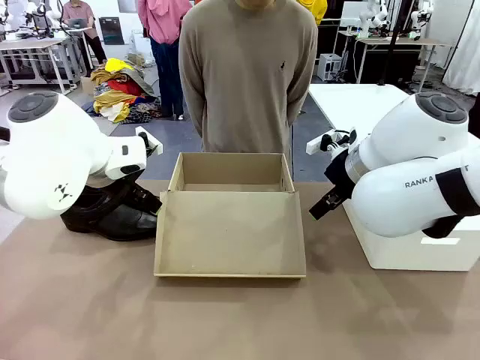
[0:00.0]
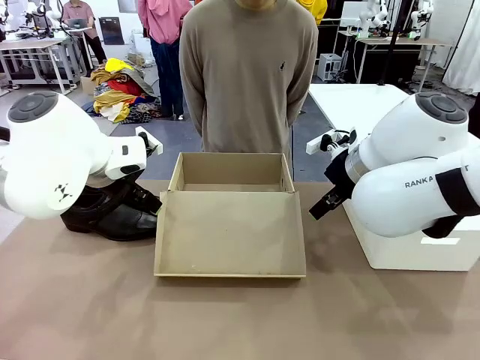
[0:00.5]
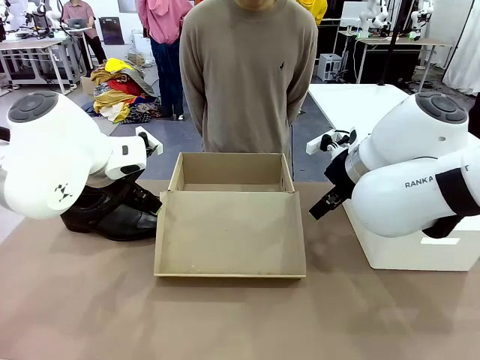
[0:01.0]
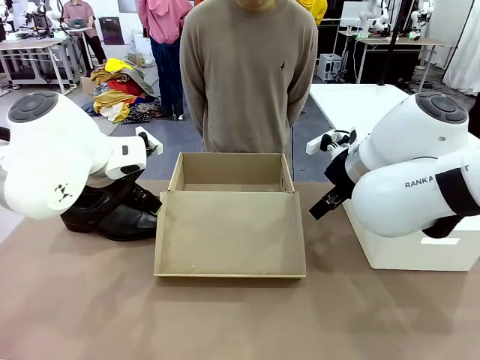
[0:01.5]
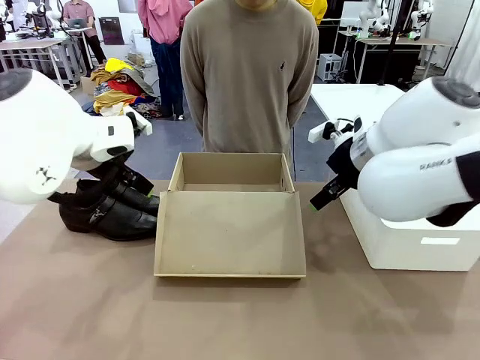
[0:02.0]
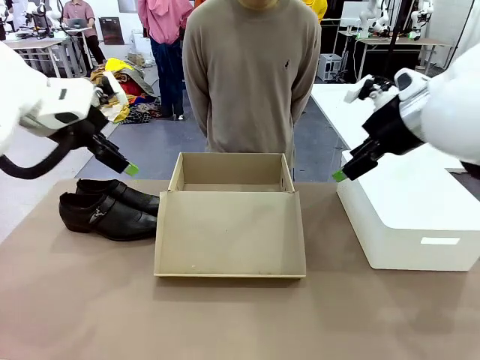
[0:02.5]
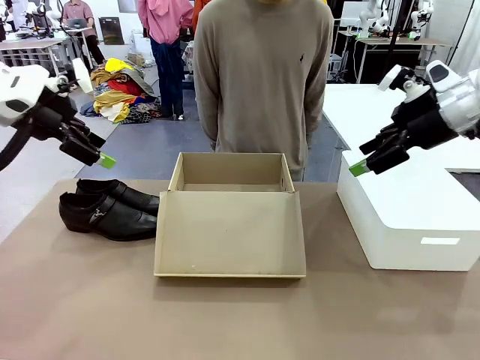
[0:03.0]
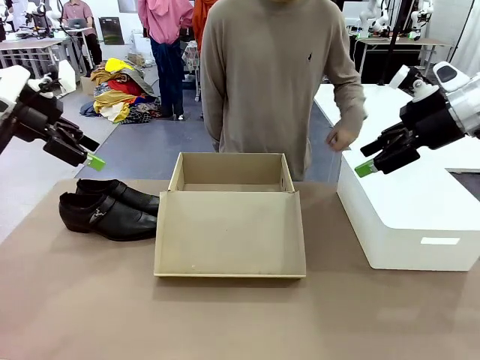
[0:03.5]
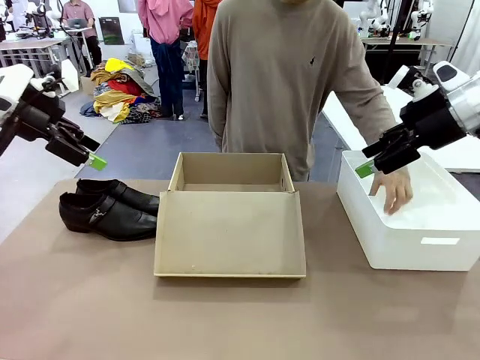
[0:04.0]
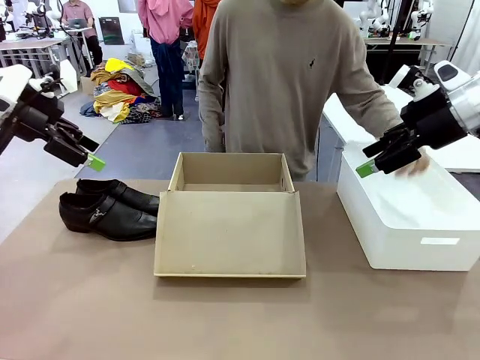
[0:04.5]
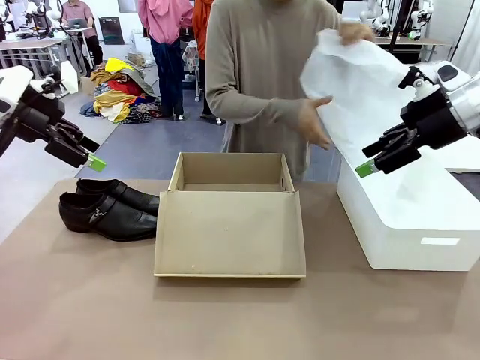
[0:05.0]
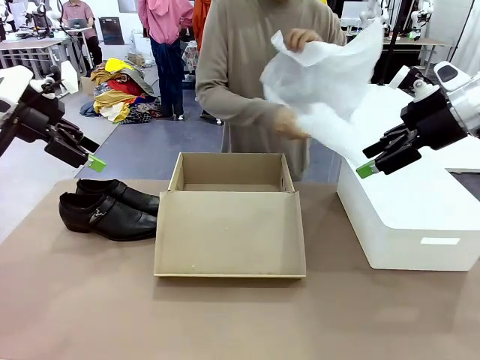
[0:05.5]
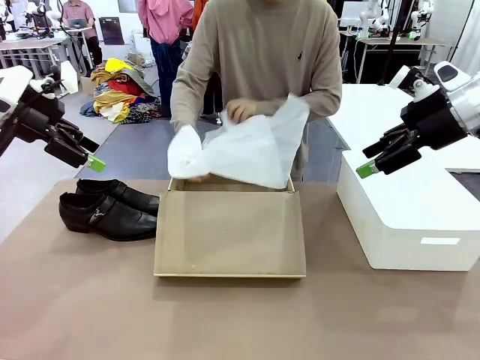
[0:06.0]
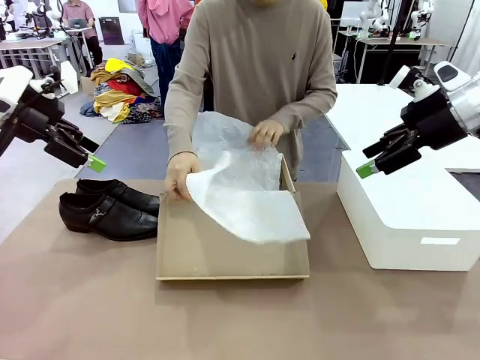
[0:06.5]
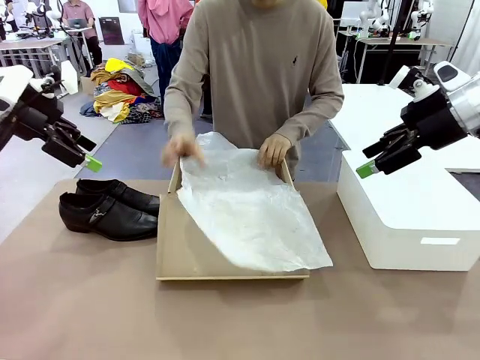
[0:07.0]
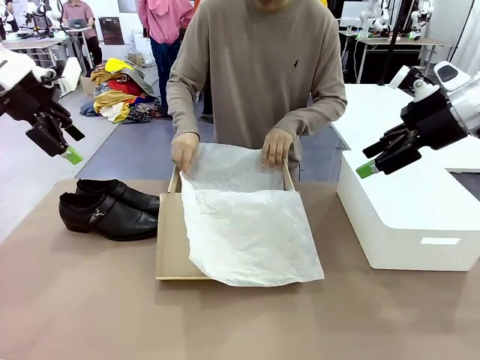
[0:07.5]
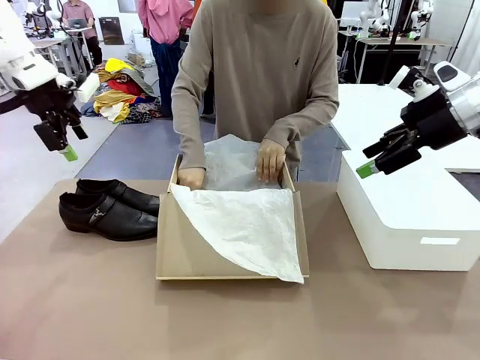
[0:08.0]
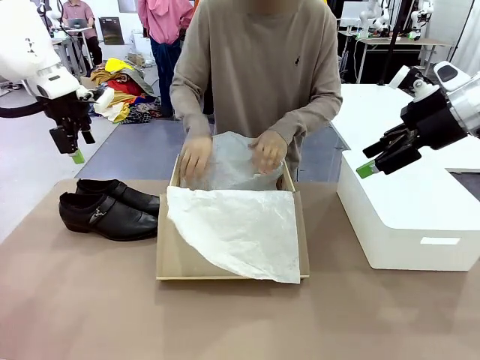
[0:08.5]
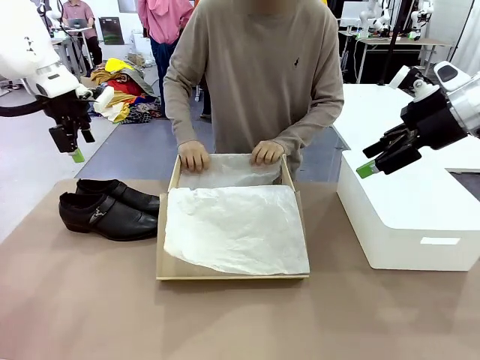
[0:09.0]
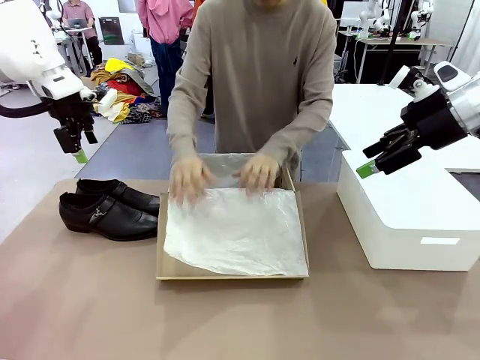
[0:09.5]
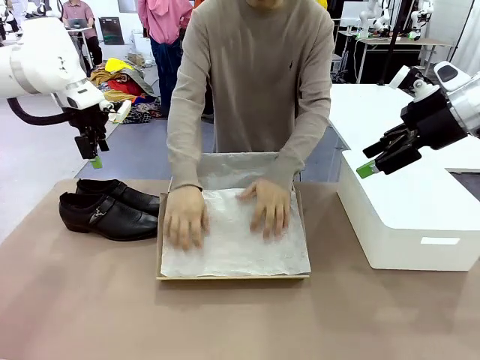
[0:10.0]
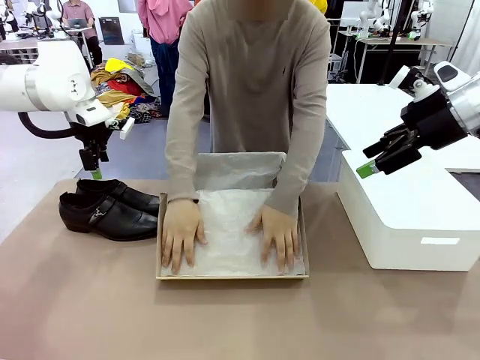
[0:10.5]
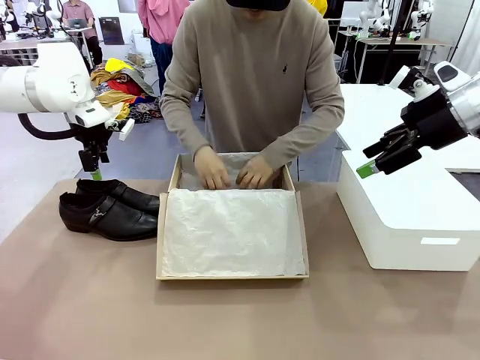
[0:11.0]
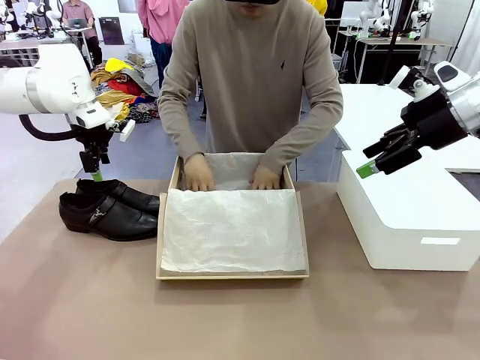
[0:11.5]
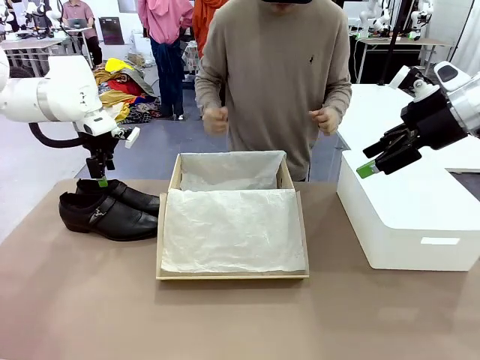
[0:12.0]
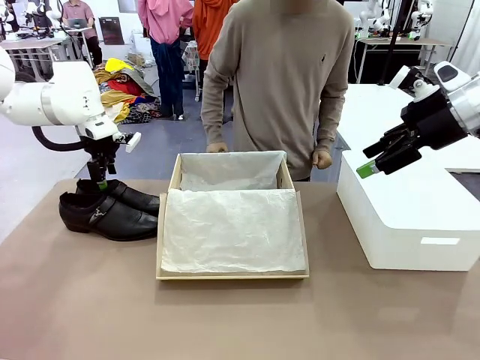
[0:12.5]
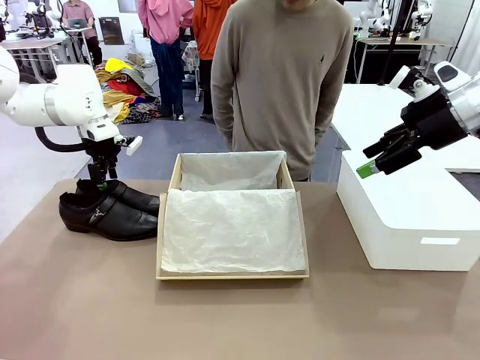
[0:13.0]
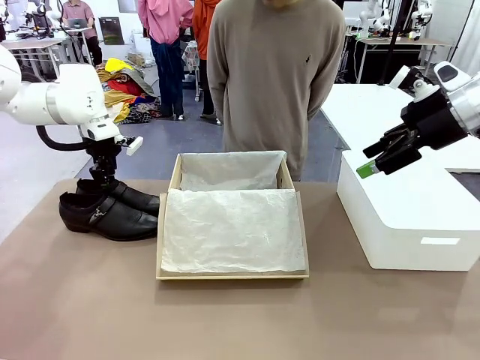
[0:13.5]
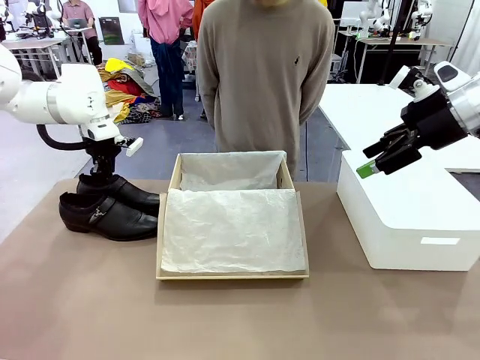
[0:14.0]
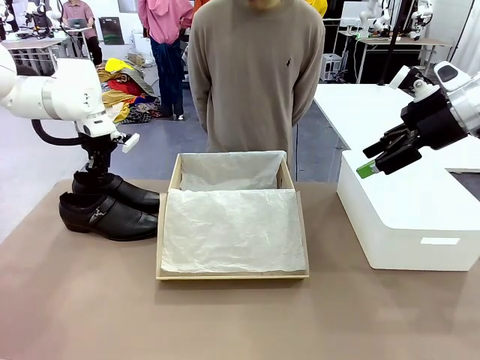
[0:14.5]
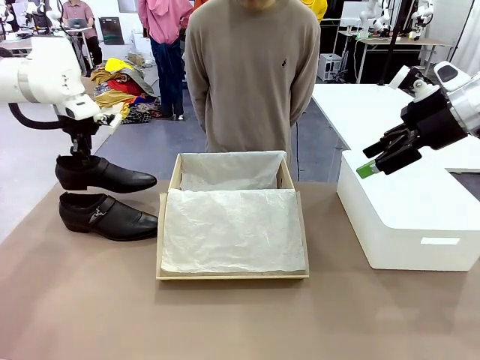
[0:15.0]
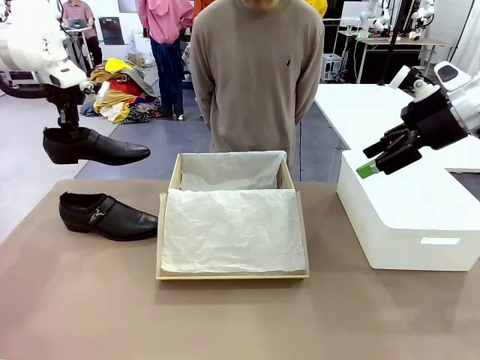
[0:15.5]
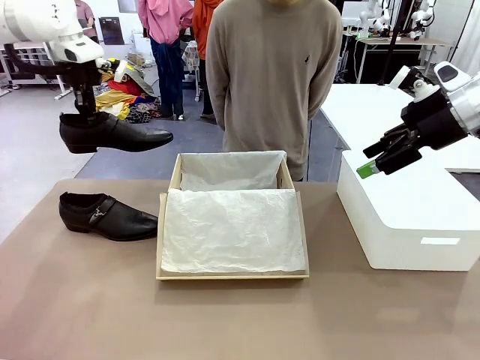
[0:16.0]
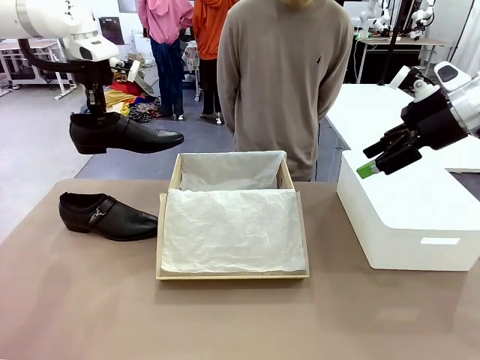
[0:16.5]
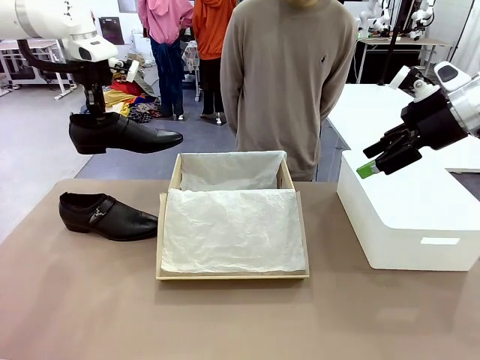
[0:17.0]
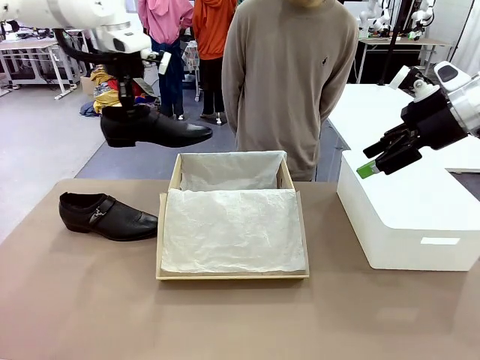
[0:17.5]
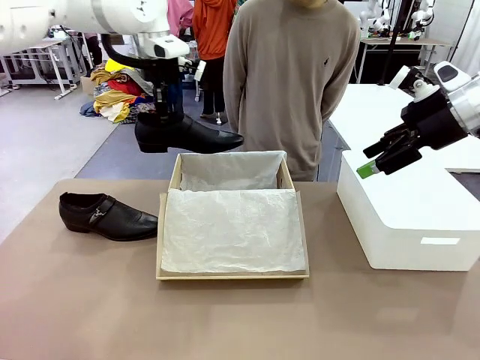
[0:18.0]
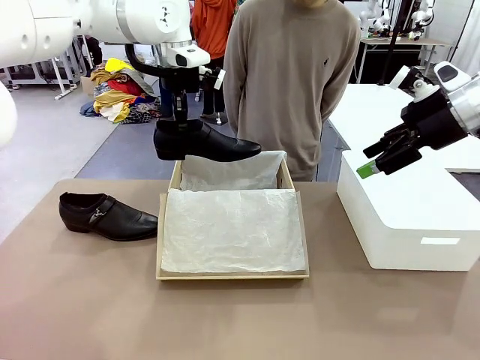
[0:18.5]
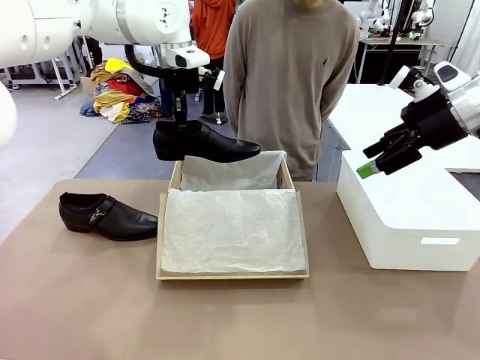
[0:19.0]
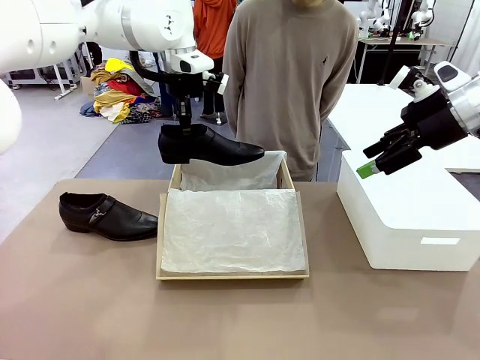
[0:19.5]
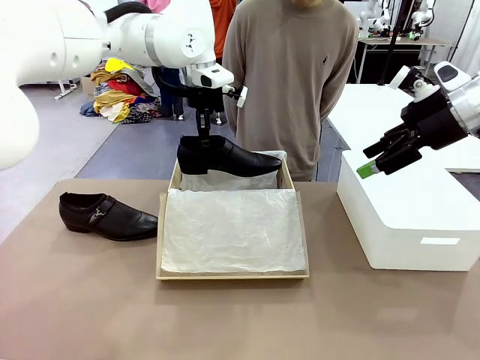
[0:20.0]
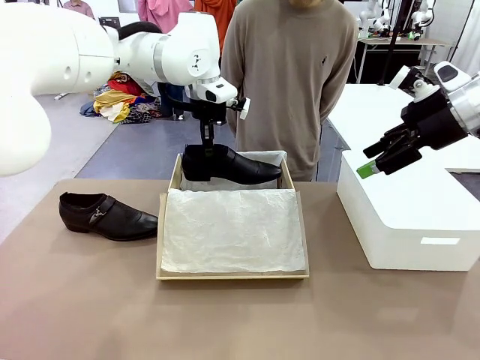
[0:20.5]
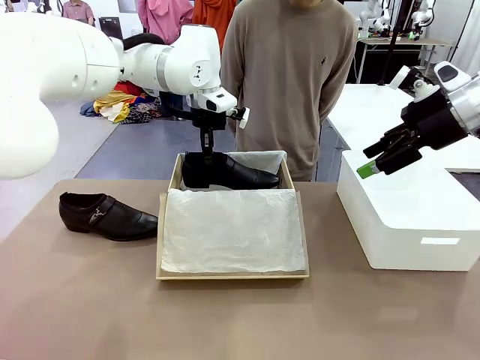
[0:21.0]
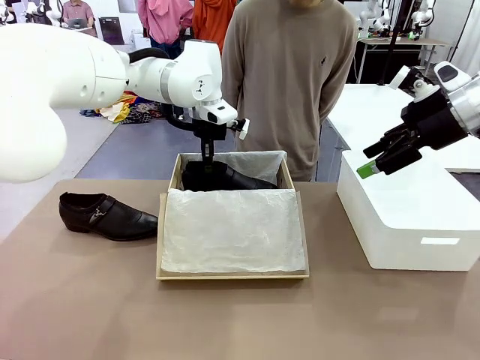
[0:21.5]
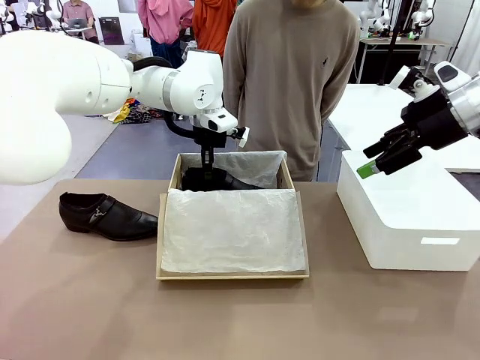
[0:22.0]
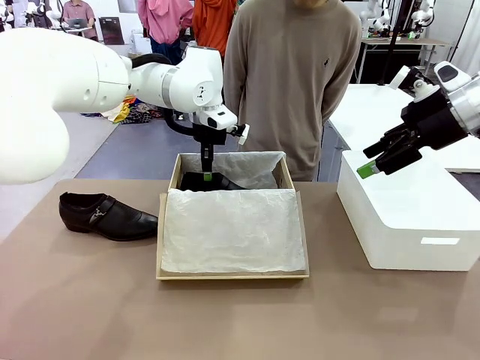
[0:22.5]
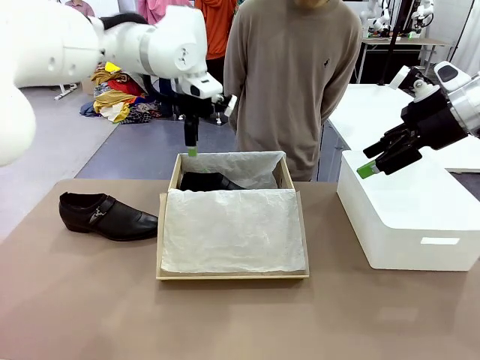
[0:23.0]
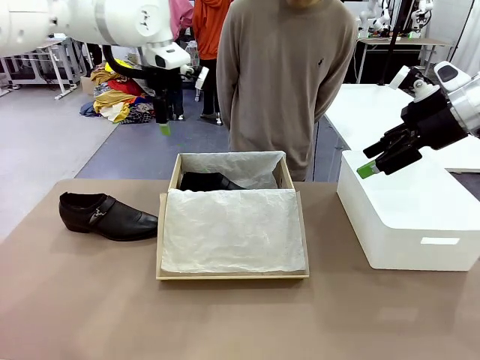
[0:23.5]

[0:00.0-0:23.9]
Task: Pack the shoes into the box.
Robot: Place one shoe of the Shoes into the Shoes Box.
Person: Spread Shoes Wrapping Paper and place inside the Shoes Box.
